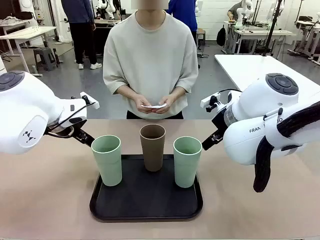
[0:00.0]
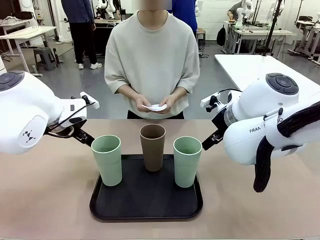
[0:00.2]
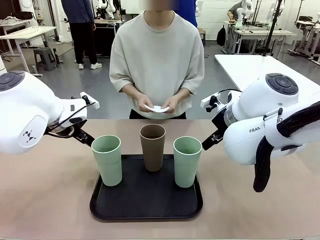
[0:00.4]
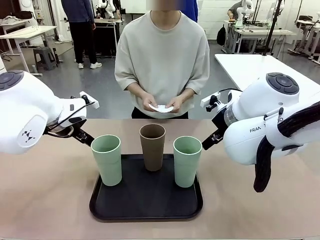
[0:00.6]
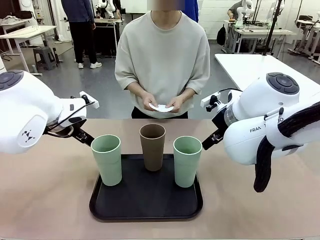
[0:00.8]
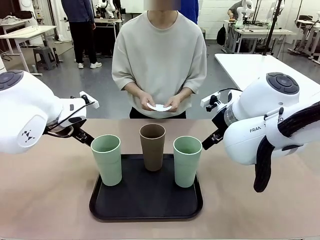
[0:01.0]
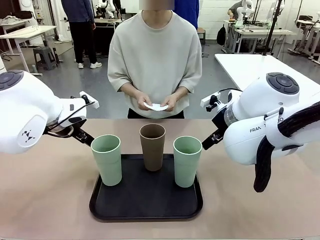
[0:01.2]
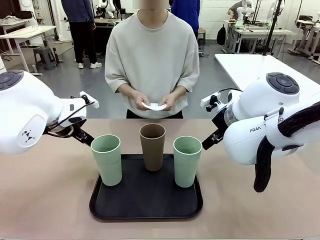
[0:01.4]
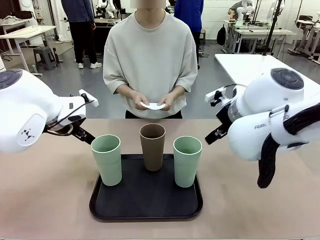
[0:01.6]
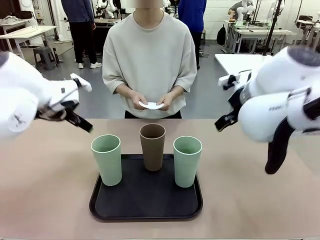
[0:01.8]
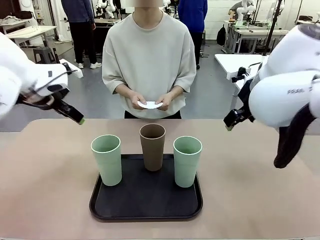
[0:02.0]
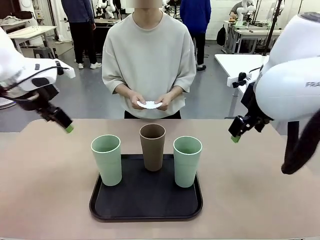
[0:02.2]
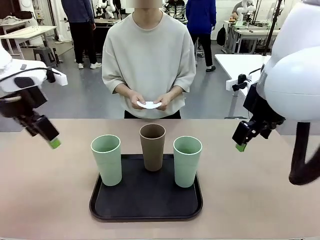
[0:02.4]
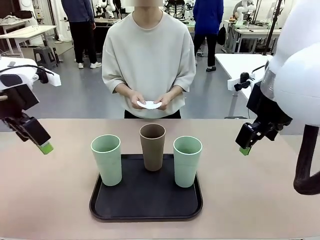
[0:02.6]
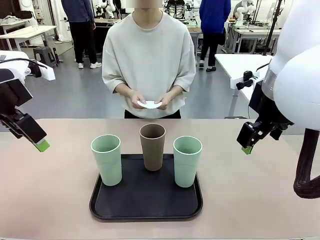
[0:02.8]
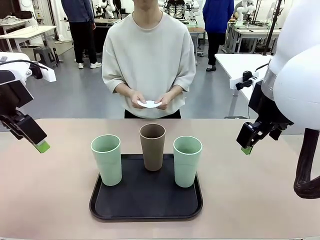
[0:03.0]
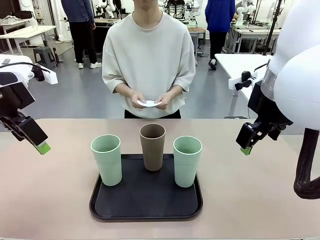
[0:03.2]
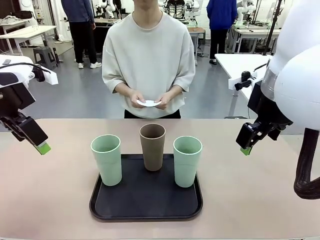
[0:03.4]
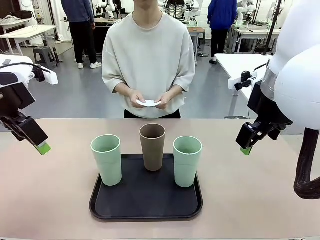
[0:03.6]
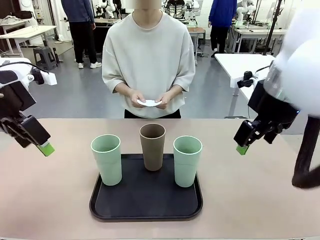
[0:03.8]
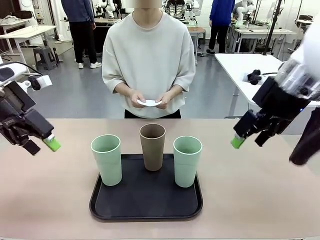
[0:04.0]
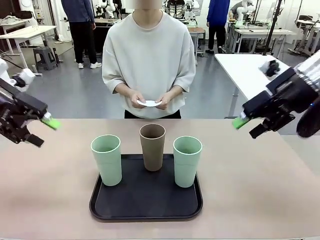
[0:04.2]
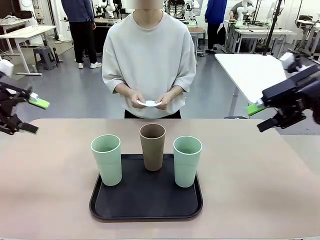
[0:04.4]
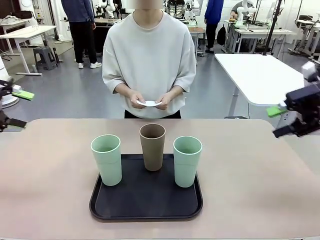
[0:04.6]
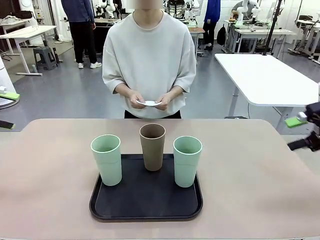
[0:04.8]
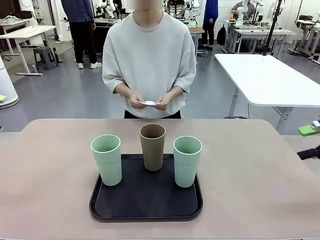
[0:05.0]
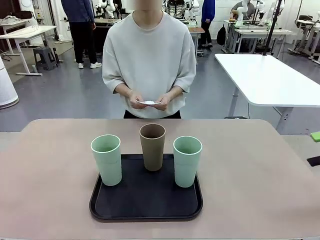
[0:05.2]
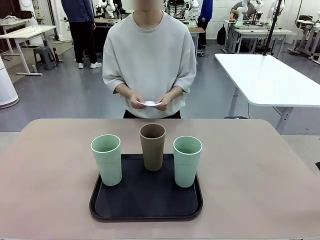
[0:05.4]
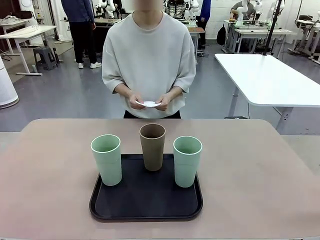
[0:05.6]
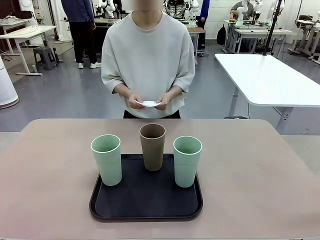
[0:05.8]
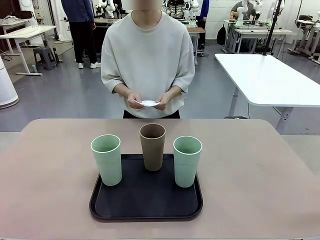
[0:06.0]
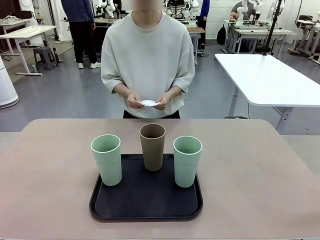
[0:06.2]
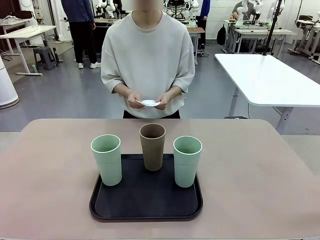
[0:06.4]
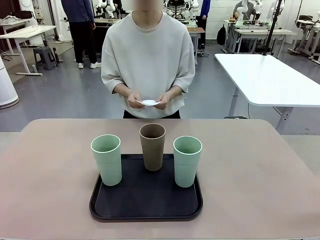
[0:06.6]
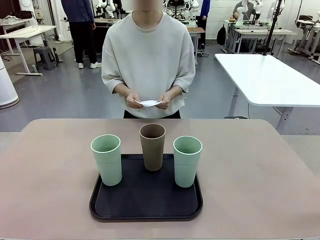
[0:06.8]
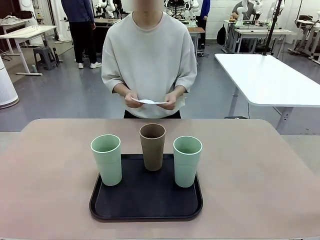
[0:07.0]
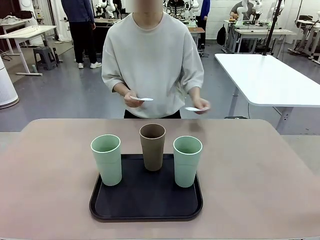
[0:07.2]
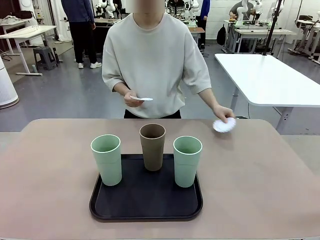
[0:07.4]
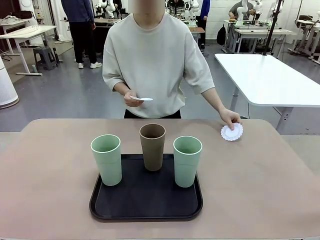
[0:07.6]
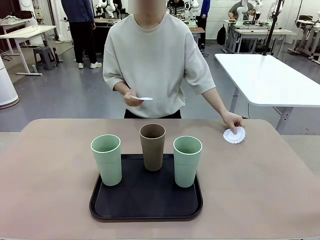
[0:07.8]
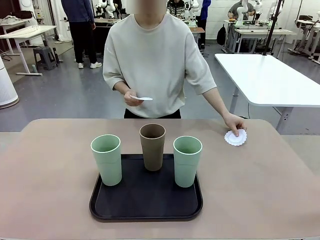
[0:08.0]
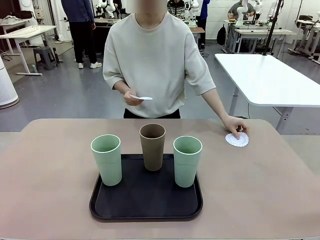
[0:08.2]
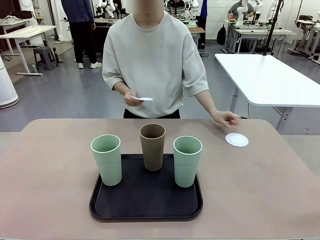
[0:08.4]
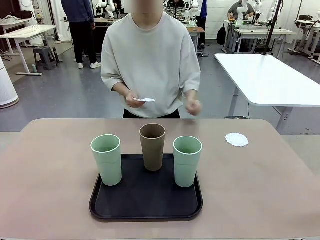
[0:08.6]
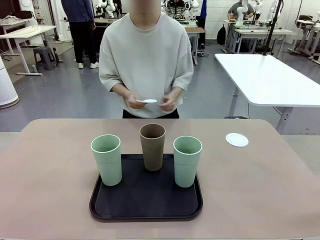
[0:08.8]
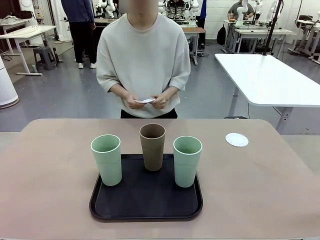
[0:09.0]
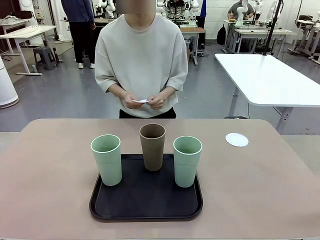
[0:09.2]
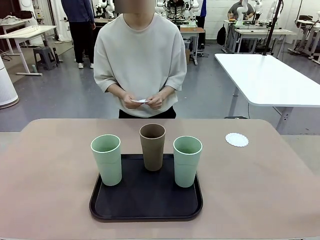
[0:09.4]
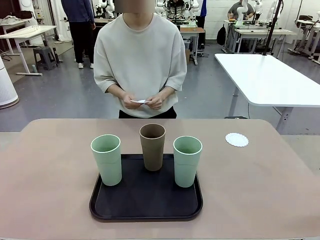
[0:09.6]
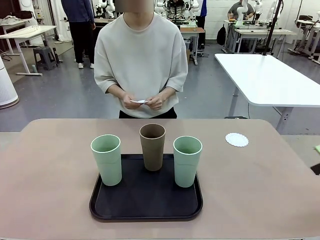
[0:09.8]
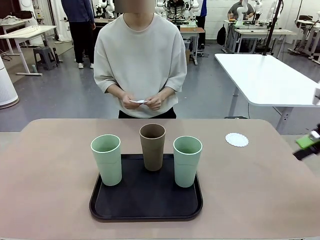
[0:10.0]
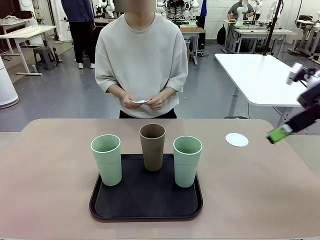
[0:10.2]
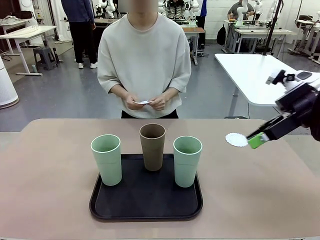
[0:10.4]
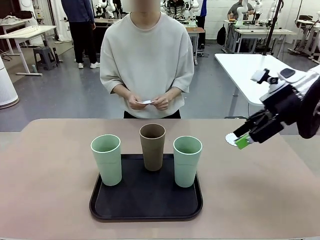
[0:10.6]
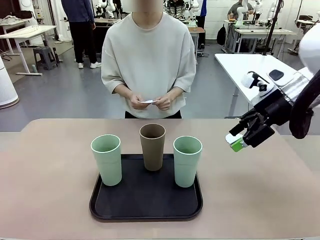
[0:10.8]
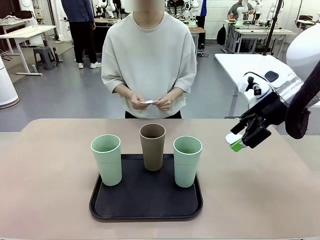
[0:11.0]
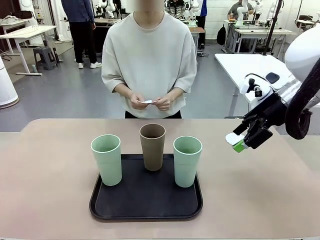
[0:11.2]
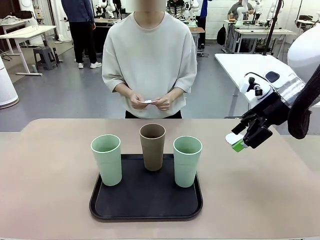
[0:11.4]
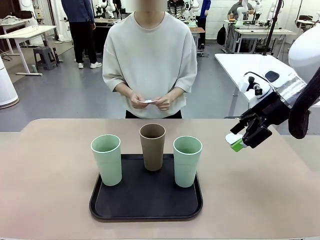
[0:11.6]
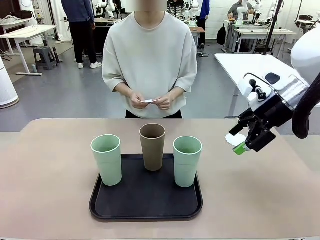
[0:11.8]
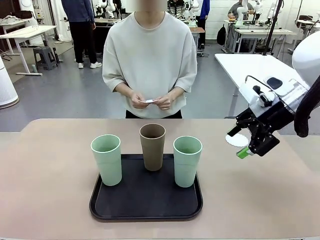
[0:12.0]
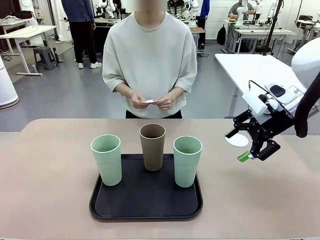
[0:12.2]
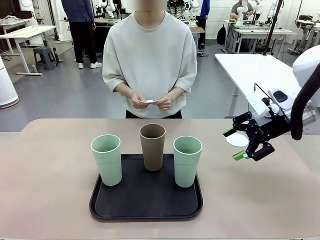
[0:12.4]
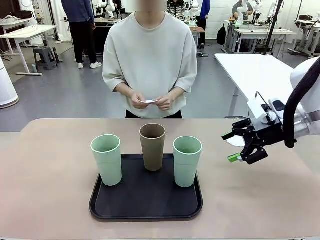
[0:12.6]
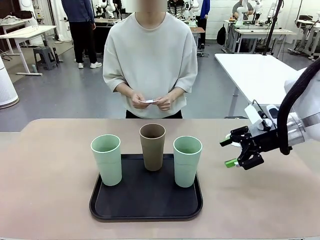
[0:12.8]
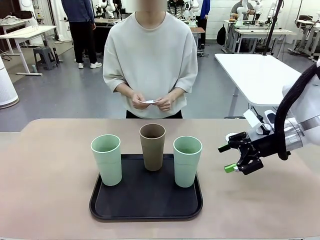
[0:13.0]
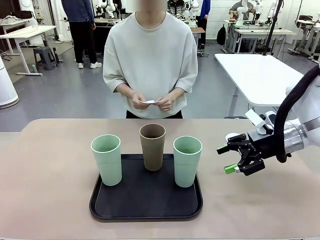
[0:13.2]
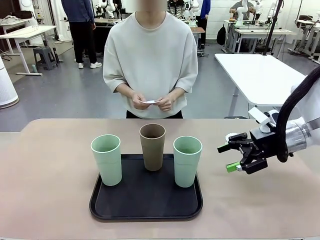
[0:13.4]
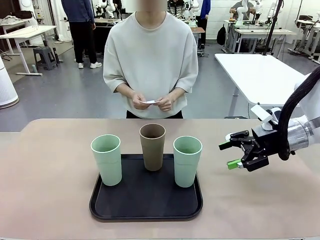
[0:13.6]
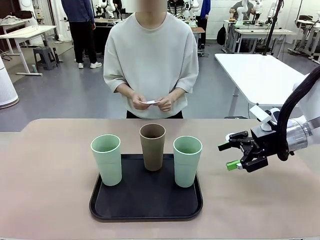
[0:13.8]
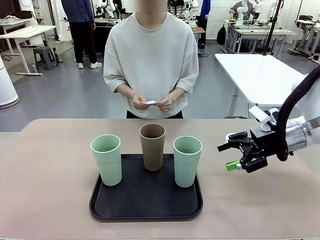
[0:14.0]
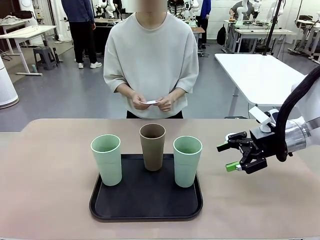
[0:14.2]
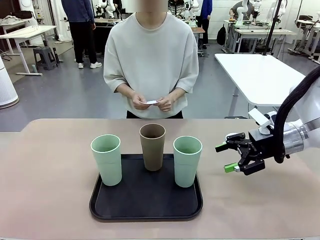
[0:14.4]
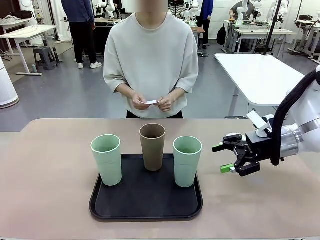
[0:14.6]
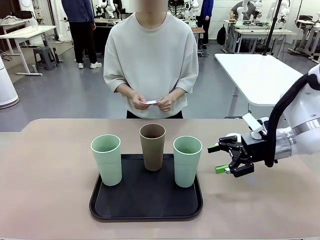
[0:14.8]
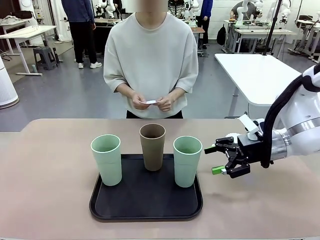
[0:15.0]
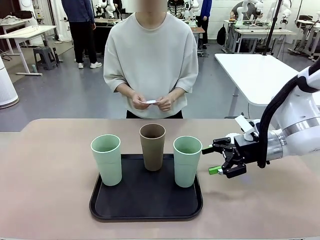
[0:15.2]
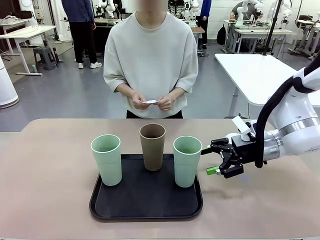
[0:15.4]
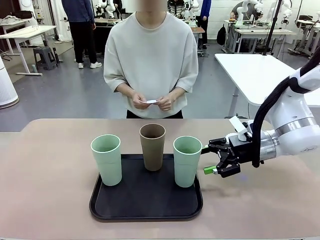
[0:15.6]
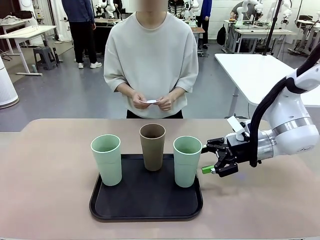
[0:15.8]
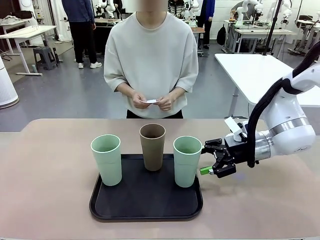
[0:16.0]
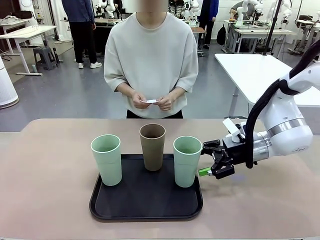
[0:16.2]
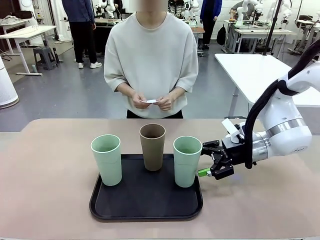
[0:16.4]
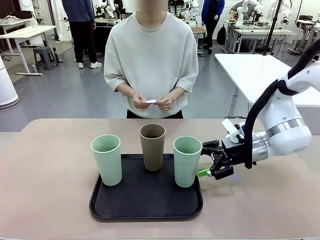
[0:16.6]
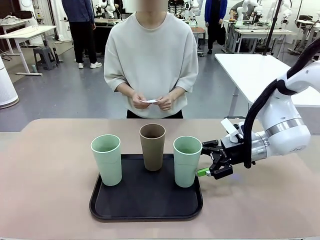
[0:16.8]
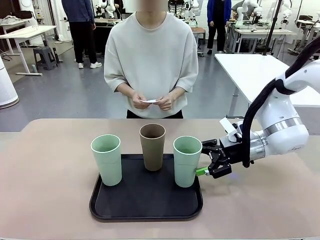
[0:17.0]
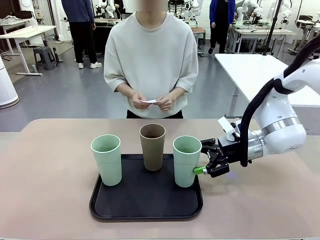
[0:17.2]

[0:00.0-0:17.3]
Task: Place coasters on the table and set cups on them.
Robot: Pick up one Reusable plastic cup and place it on a coaster set by the human.
Person: Place one coaster in any one of the three lower areas of the robot table (left, center, or right).
